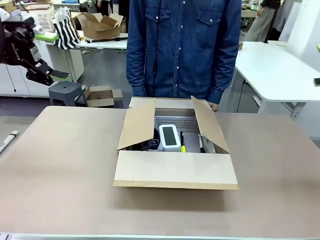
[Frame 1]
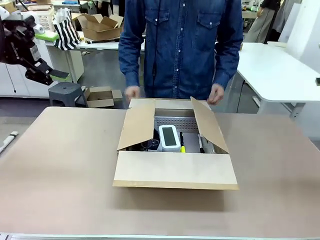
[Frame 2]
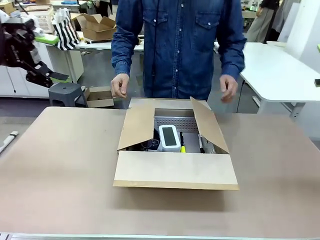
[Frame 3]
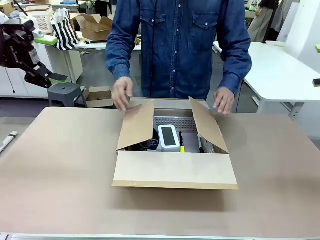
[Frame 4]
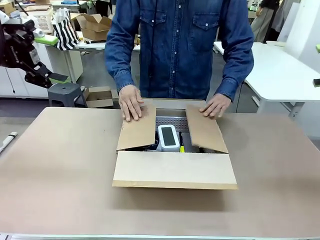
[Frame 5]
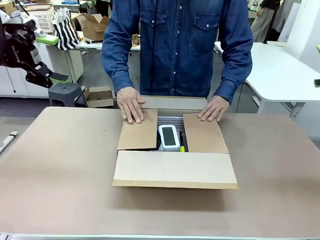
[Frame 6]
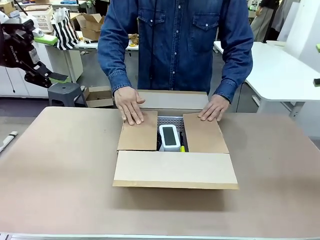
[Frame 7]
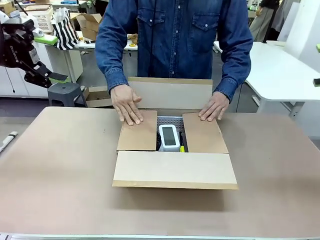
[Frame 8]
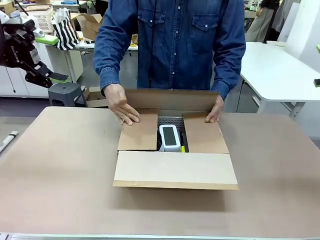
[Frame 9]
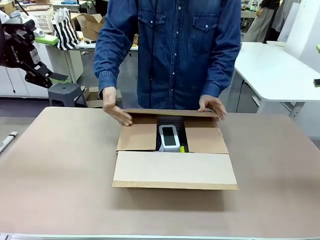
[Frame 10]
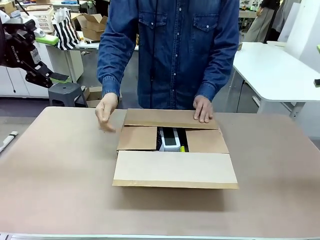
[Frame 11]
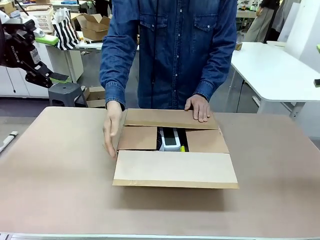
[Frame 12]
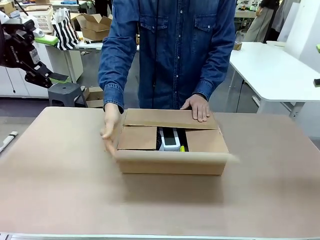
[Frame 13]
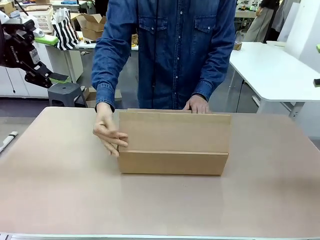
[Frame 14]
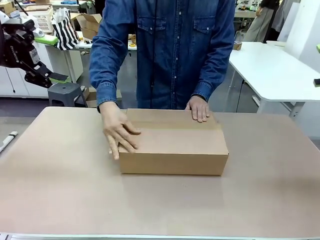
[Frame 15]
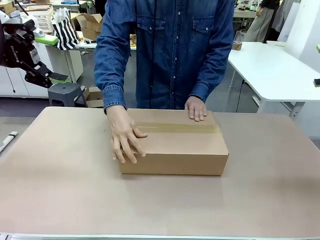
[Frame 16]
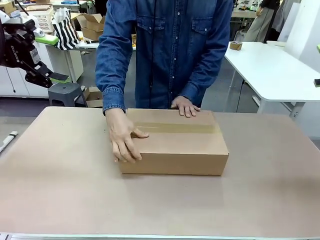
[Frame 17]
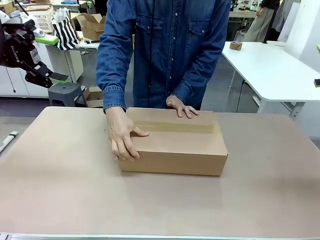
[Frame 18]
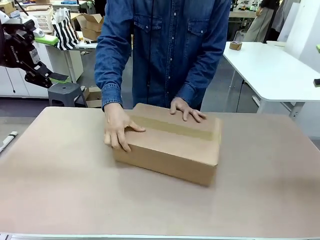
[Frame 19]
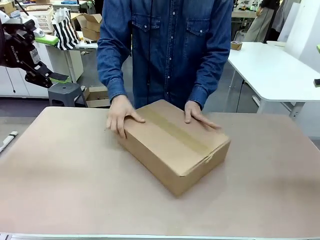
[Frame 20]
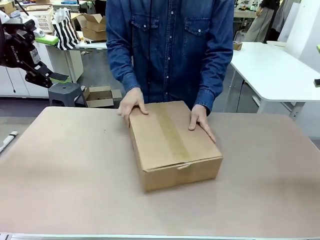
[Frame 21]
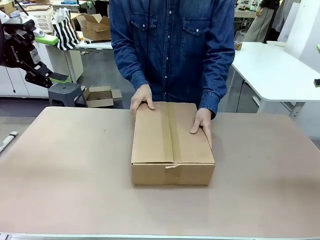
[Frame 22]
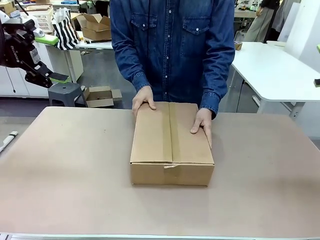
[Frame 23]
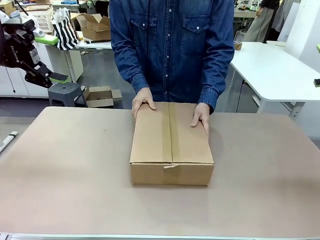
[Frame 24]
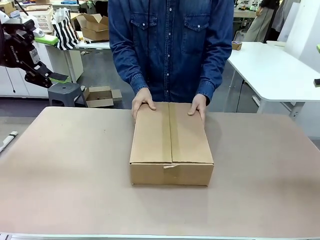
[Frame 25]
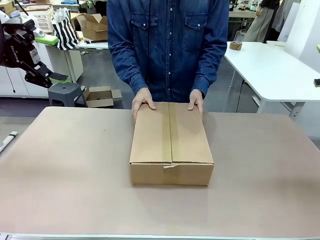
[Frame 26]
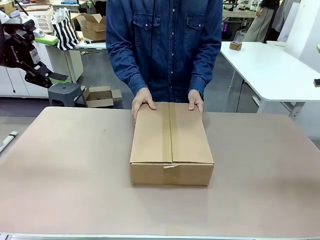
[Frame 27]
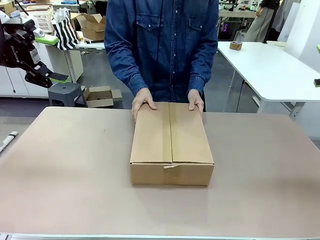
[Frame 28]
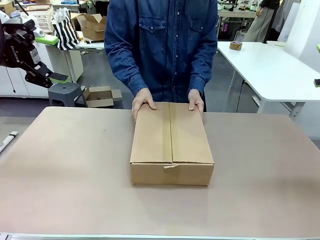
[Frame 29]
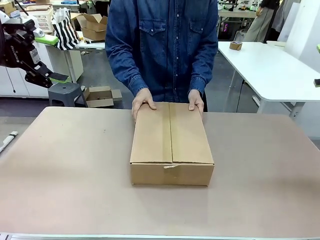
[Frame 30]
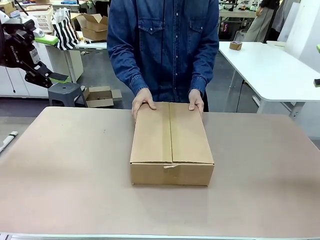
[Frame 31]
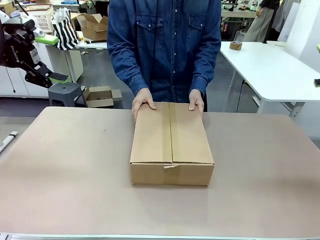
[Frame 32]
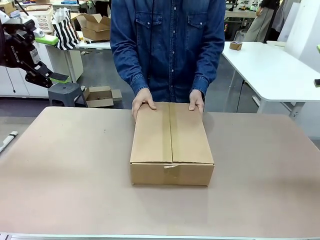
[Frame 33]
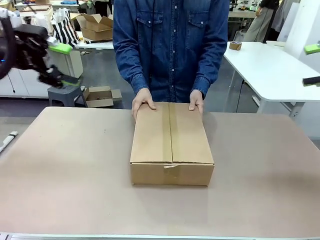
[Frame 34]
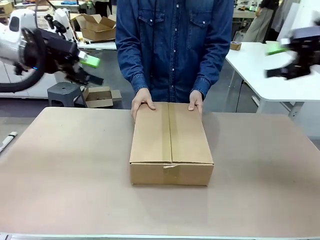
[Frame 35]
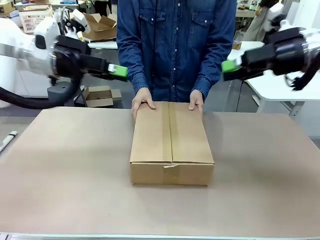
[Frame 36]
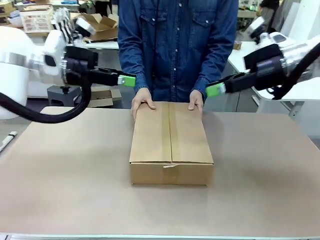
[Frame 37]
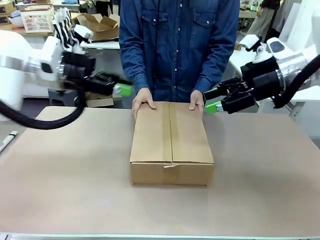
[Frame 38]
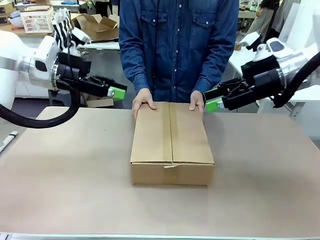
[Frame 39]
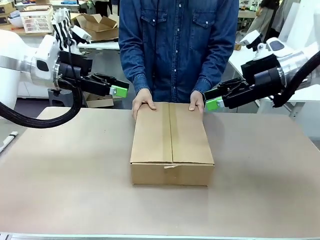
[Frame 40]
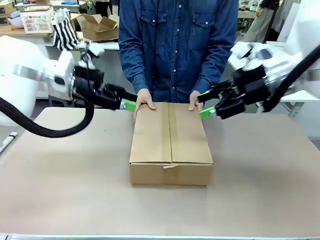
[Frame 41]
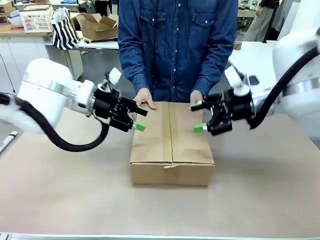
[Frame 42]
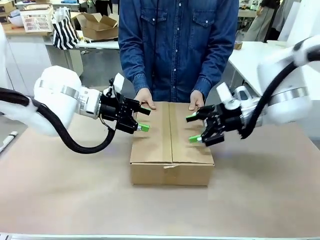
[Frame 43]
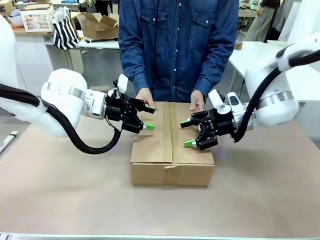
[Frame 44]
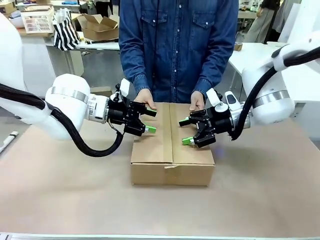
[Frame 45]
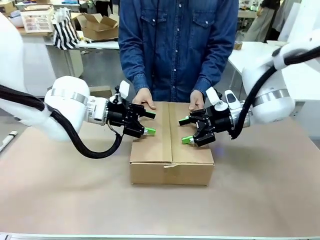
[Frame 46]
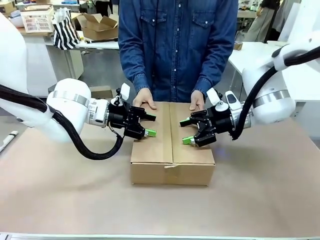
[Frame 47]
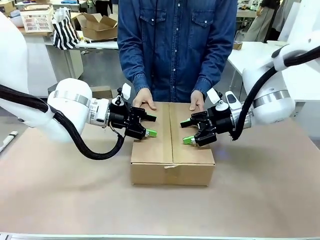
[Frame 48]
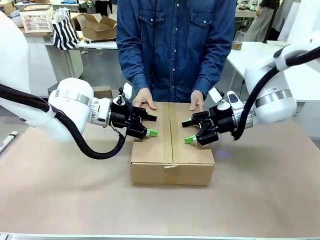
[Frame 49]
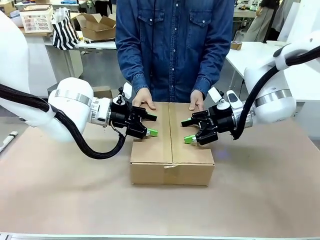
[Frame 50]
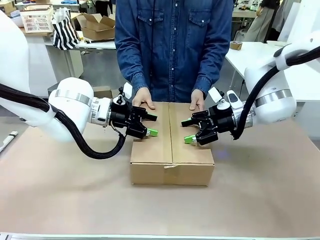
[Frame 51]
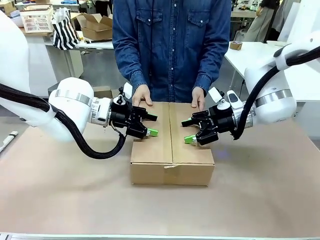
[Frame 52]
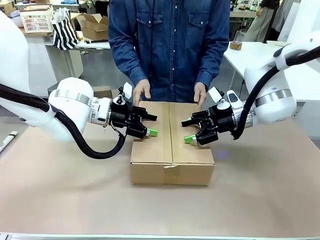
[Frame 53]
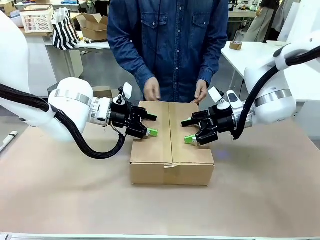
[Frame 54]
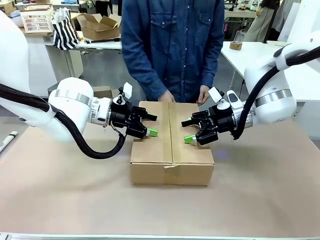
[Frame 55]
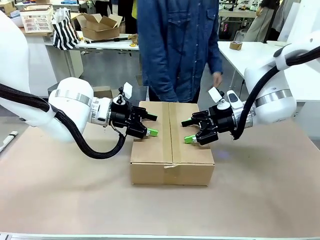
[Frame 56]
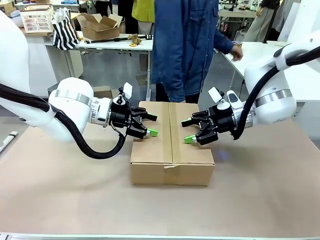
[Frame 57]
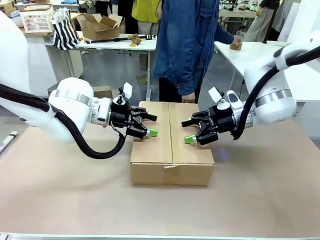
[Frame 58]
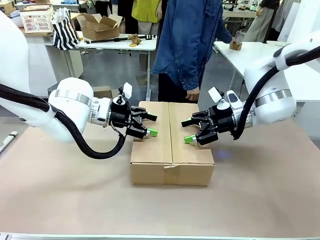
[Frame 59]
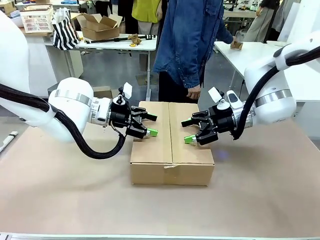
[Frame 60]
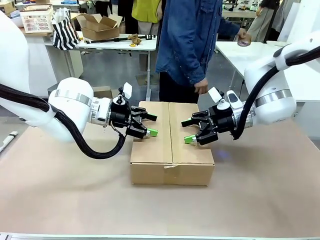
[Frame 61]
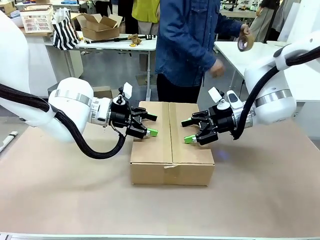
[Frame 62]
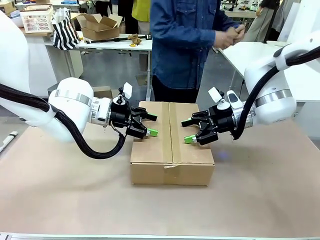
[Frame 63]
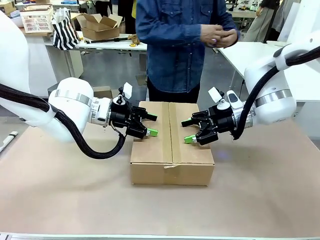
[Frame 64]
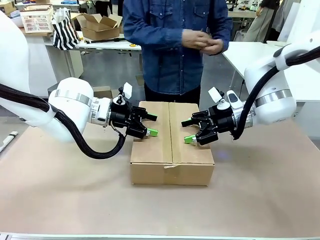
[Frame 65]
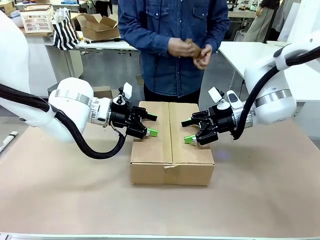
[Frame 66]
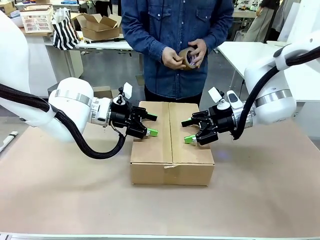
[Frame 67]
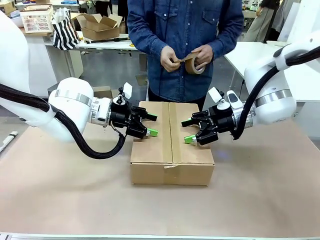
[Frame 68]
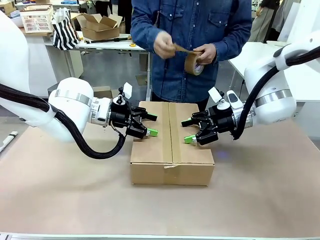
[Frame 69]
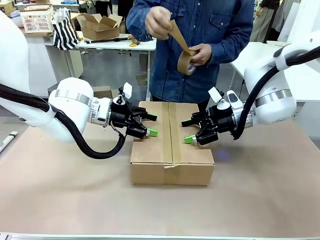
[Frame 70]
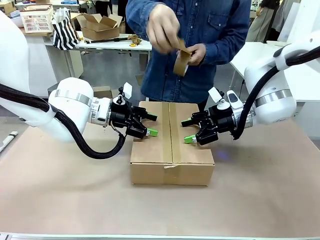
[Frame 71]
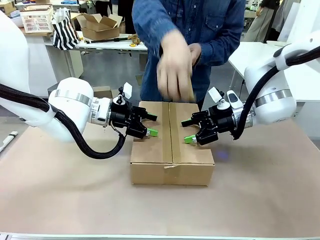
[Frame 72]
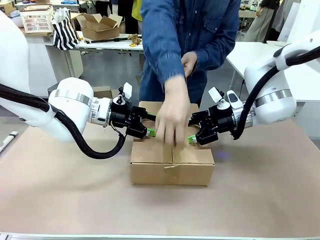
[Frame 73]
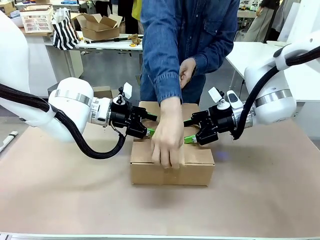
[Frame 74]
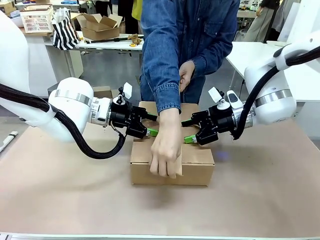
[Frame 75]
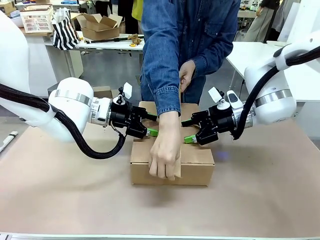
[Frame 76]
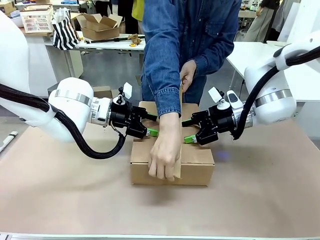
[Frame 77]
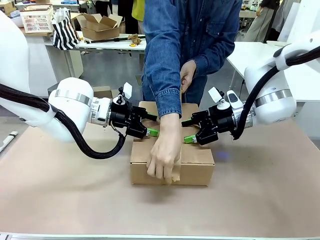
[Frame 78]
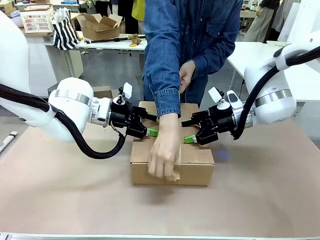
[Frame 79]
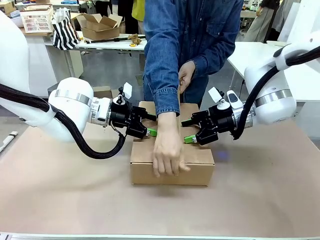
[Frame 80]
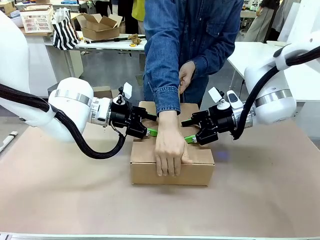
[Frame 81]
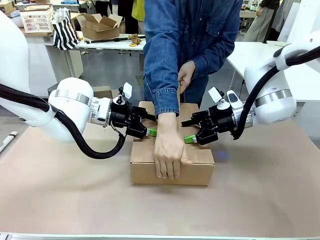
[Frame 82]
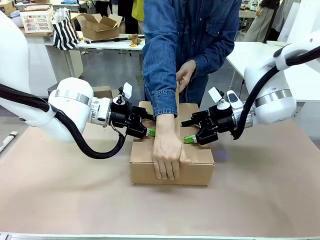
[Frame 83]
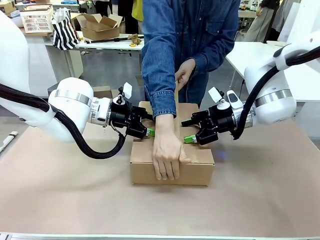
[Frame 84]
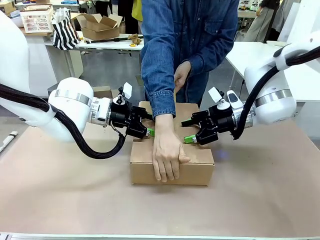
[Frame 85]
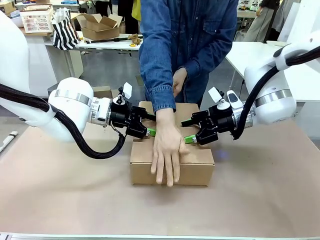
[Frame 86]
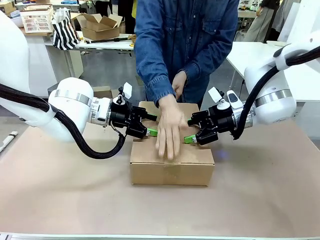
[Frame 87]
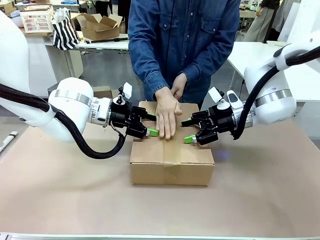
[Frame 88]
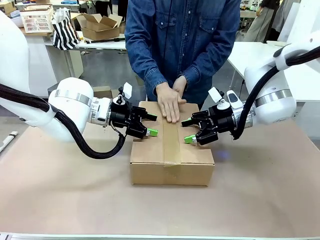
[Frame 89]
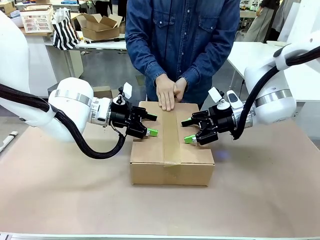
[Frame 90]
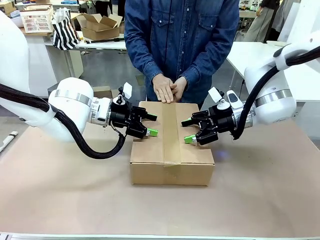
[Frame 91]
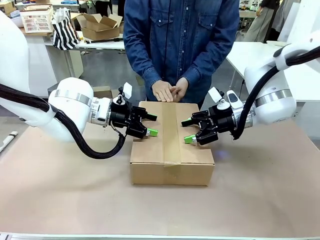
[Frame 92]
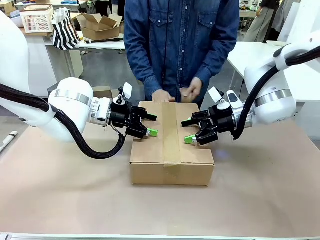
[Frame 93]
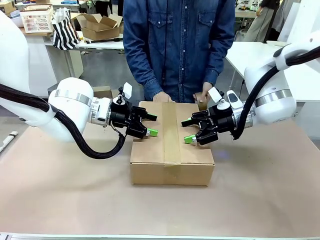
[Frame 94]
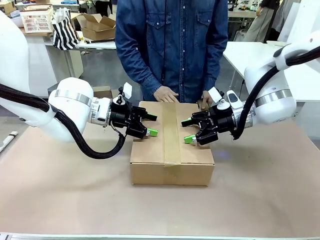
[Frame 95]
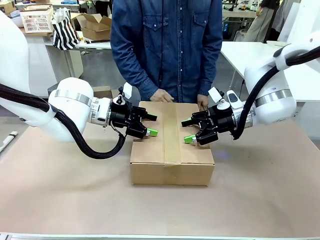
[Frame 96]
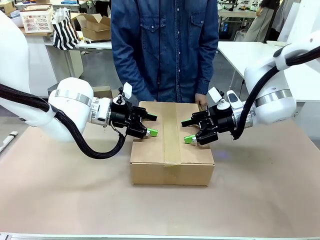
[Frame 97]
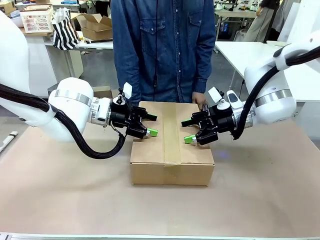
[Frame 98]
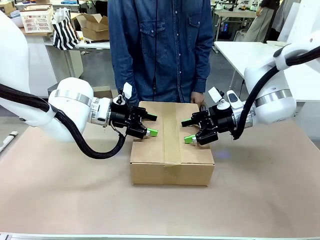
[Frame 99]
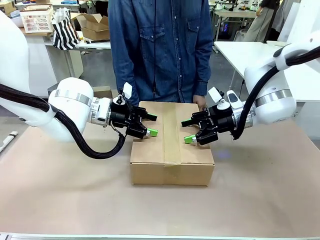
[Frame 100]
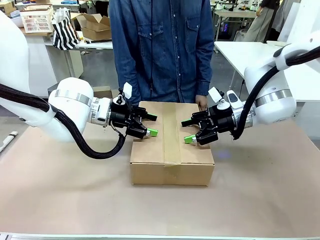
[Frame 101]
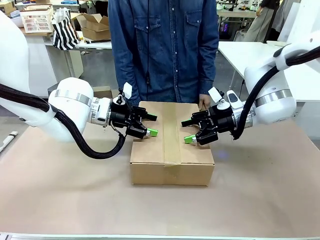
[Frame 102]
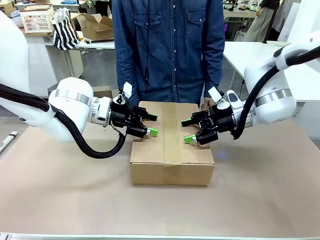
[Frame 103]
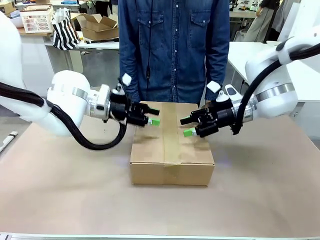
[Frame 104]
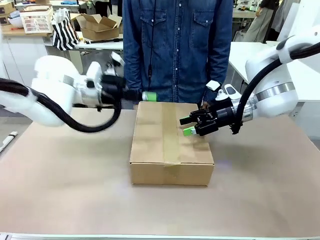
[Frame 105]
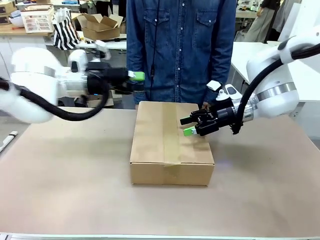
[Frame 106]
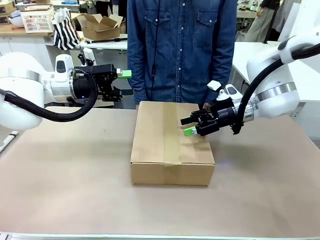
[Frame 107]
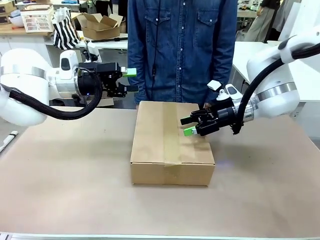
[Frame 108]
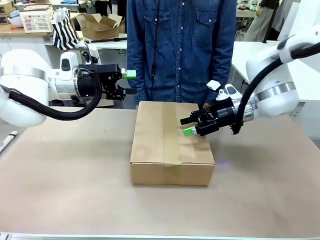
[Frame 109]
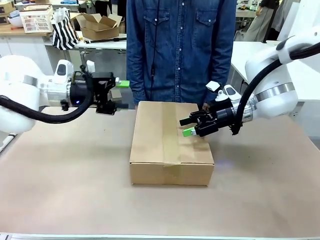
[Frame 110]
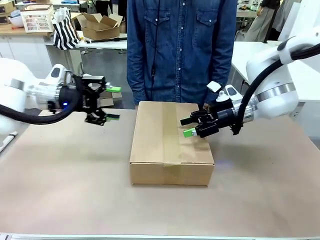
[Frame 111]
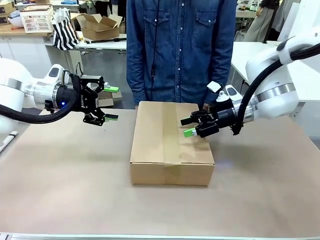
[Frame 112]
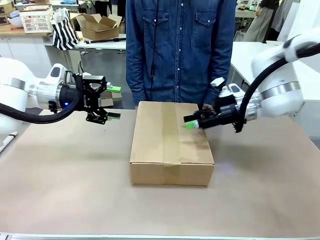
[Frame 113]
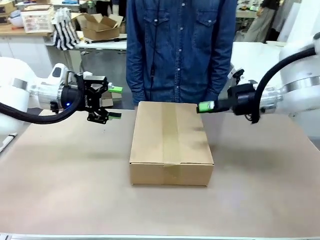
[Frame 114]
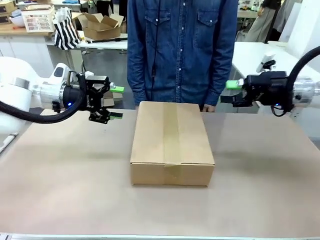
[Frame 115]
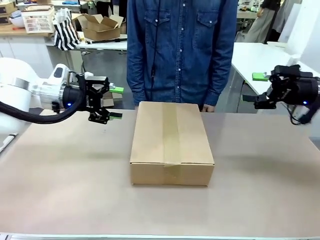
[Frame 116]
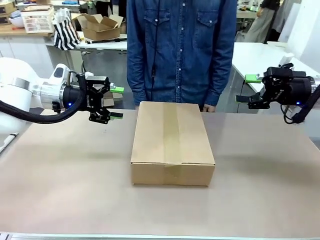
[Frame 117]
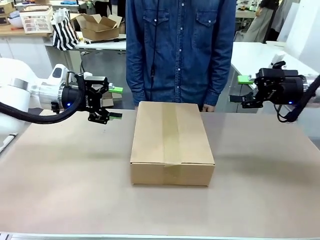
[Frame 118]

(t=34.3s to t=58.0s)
Task: Pack the gift set into the box.
Robot: Press and hold the closed box until the human finishes sealing it.
Person: The human closes the box and rotates the box by 90 degrees. The human picks up the paper tape from the human table and packs the box.
